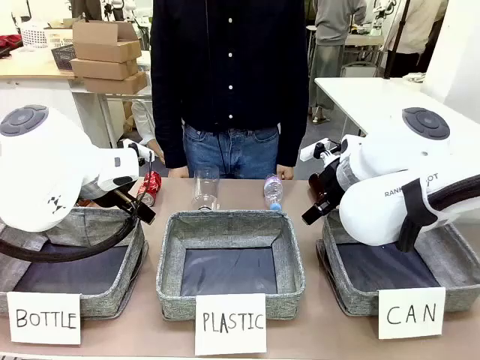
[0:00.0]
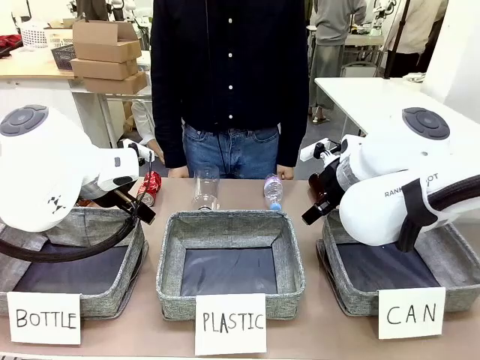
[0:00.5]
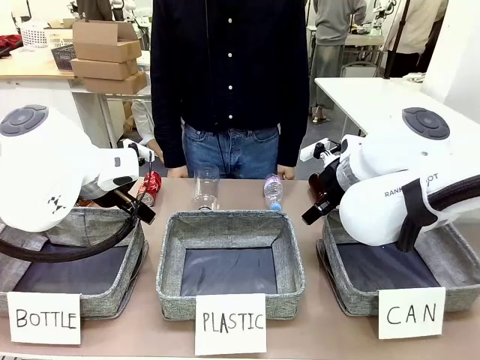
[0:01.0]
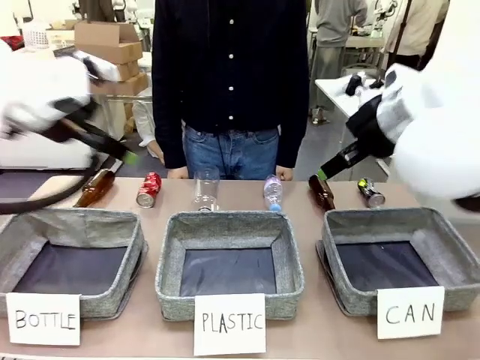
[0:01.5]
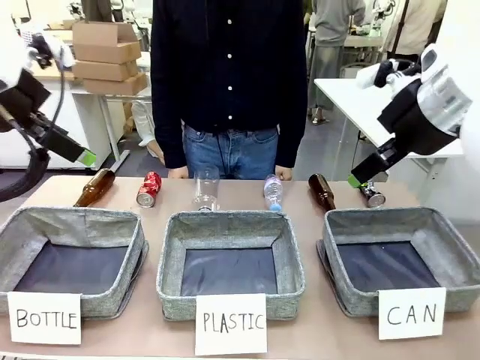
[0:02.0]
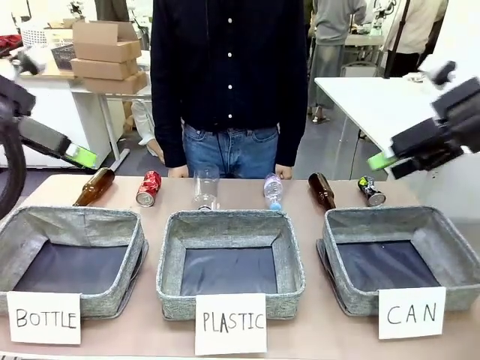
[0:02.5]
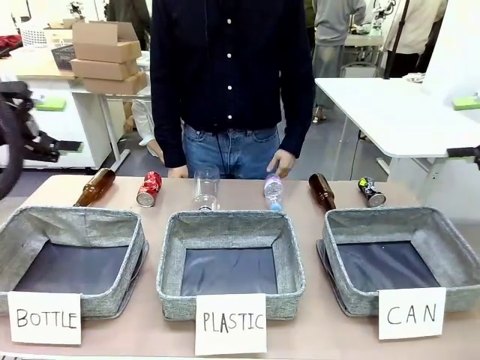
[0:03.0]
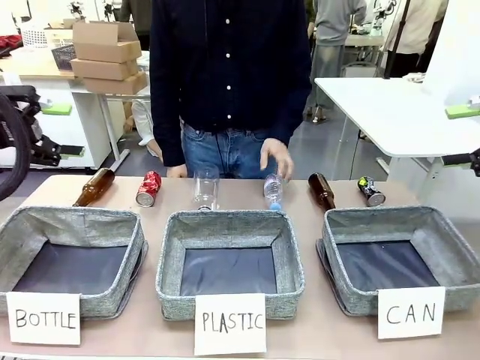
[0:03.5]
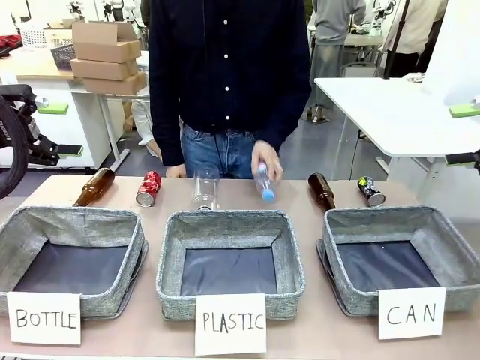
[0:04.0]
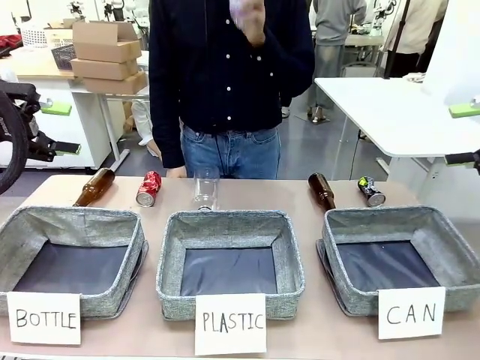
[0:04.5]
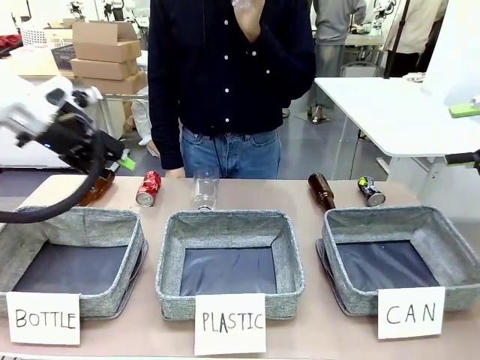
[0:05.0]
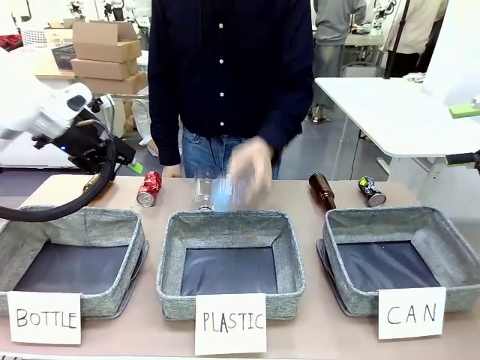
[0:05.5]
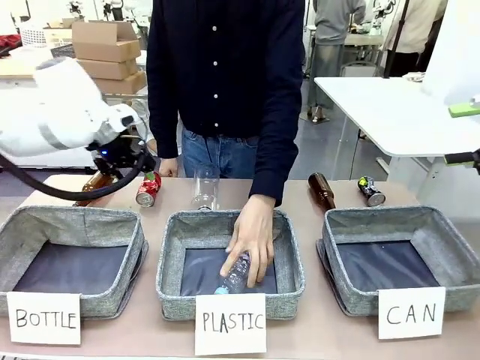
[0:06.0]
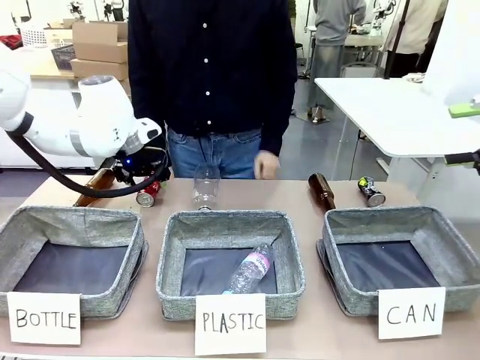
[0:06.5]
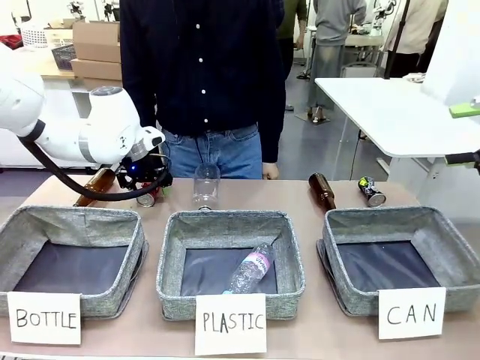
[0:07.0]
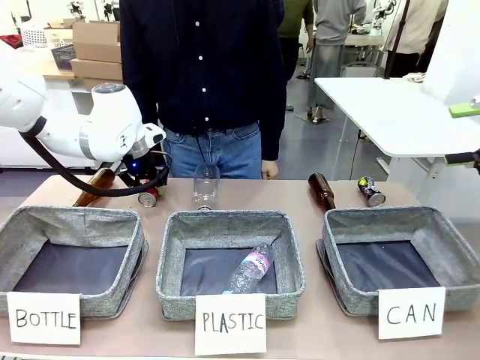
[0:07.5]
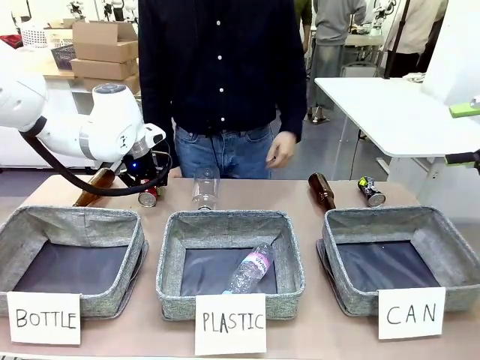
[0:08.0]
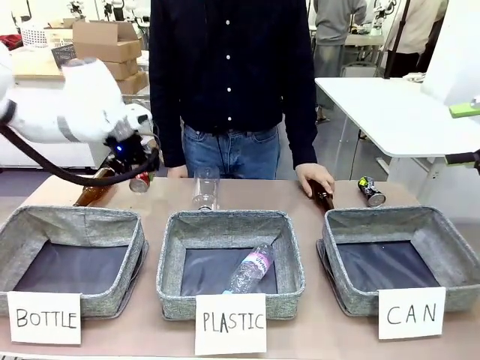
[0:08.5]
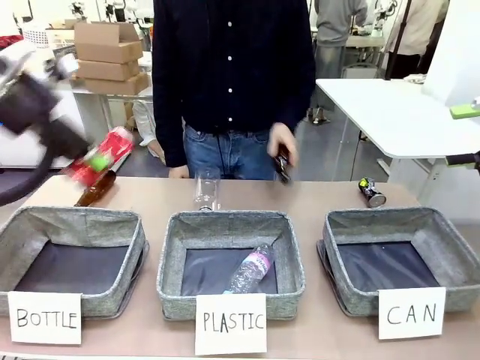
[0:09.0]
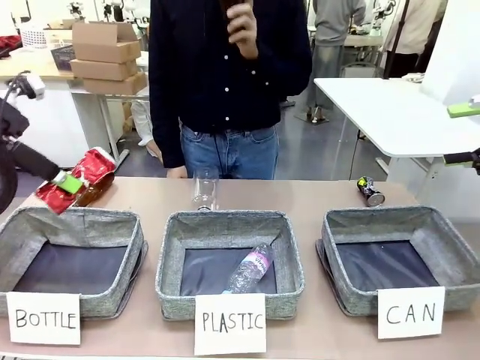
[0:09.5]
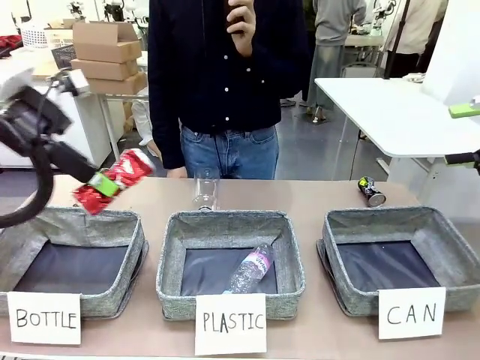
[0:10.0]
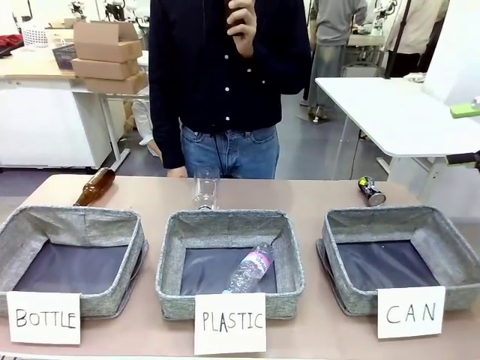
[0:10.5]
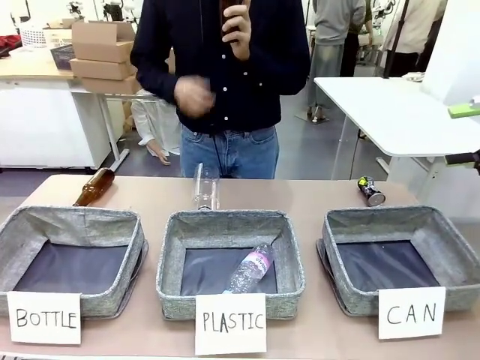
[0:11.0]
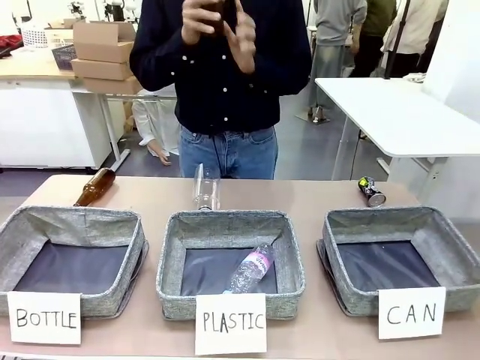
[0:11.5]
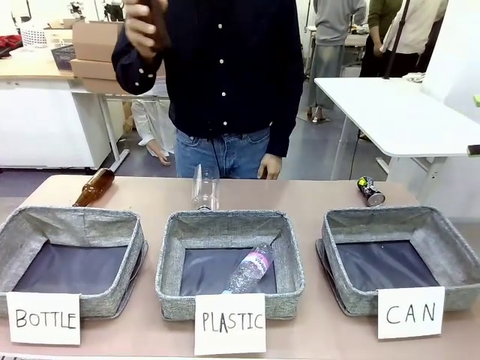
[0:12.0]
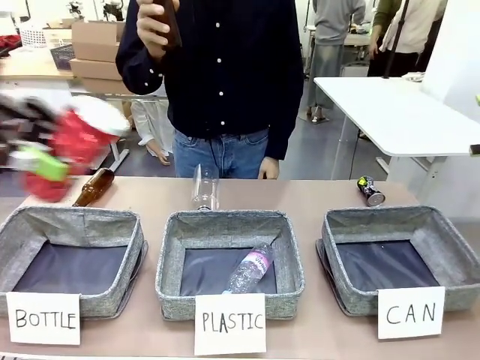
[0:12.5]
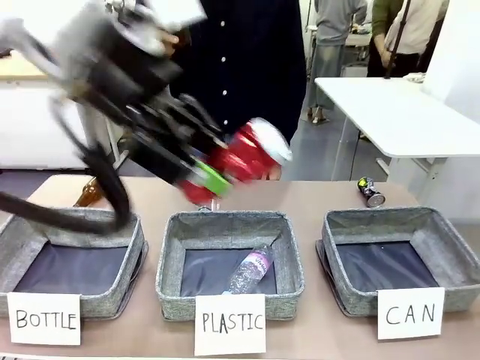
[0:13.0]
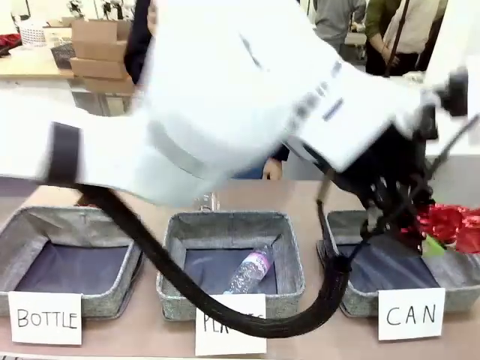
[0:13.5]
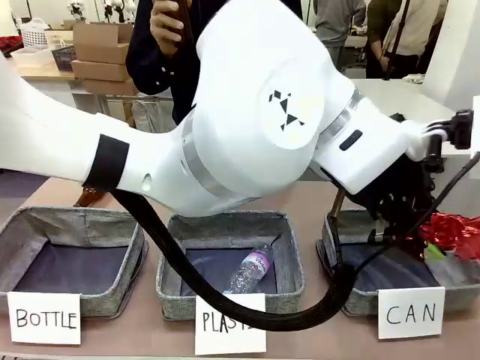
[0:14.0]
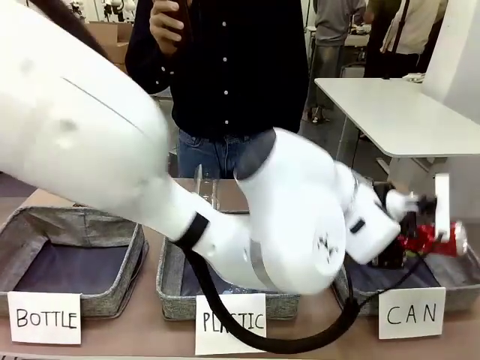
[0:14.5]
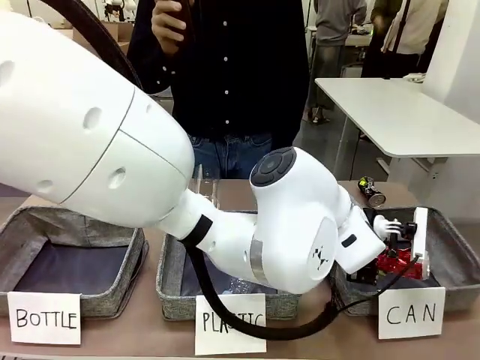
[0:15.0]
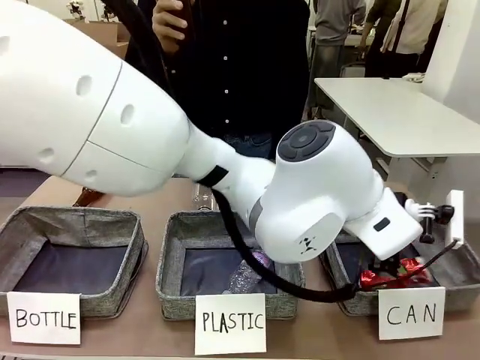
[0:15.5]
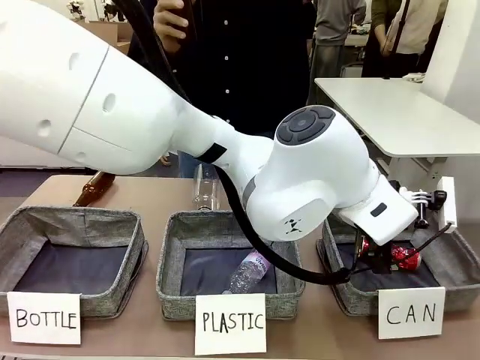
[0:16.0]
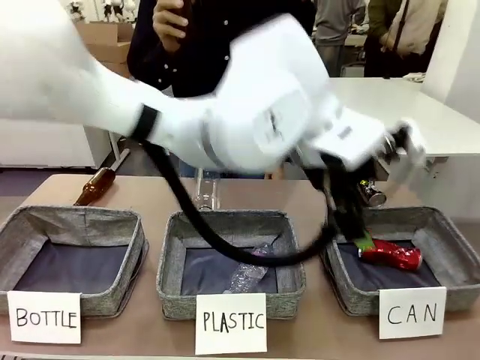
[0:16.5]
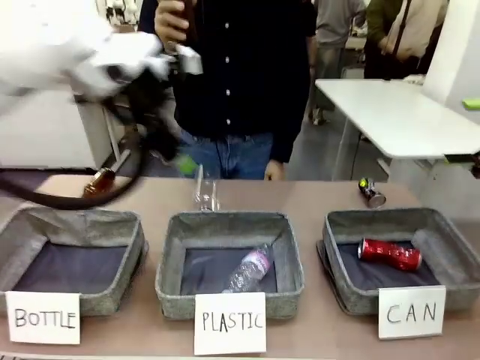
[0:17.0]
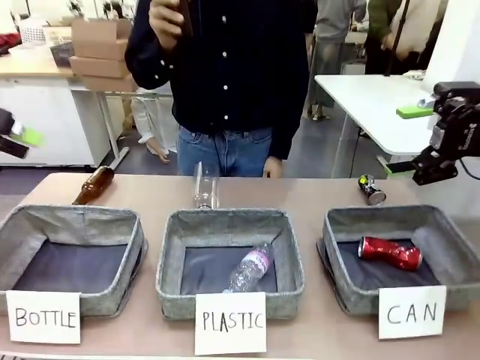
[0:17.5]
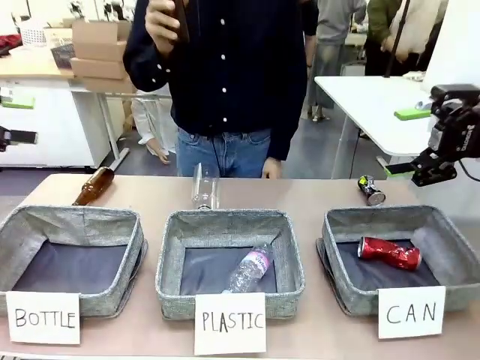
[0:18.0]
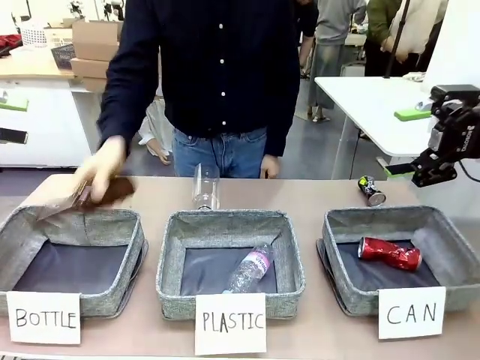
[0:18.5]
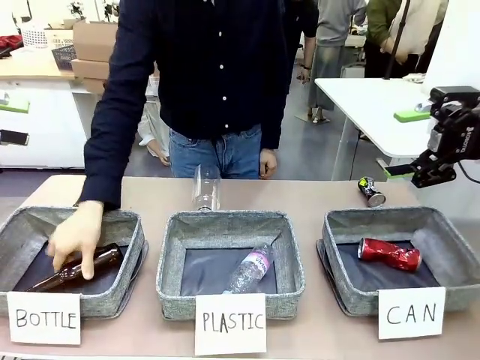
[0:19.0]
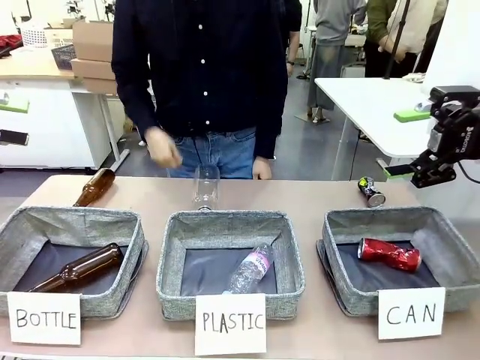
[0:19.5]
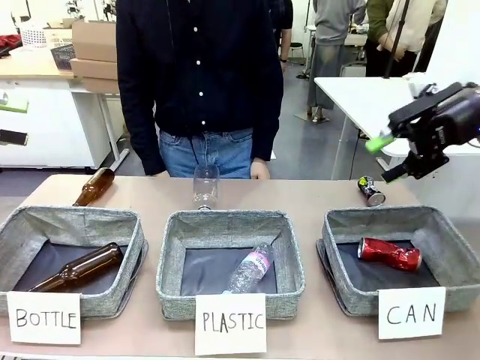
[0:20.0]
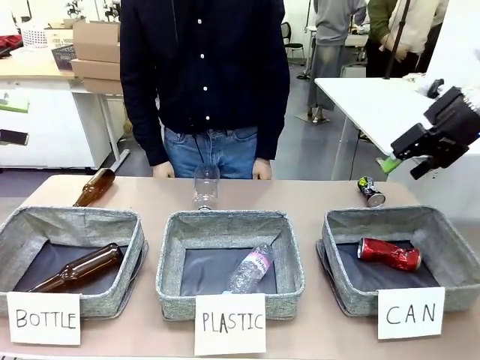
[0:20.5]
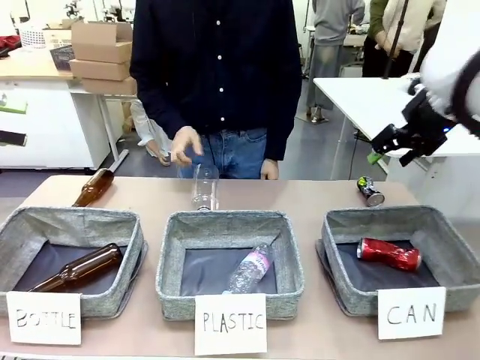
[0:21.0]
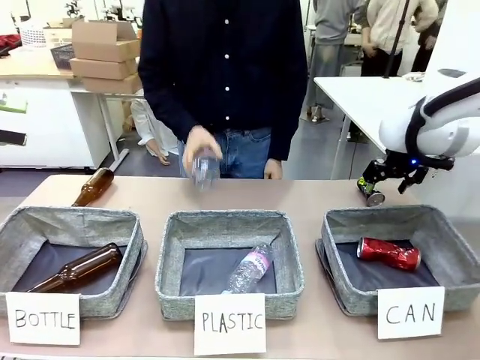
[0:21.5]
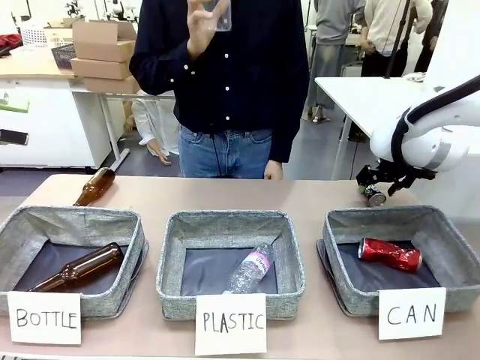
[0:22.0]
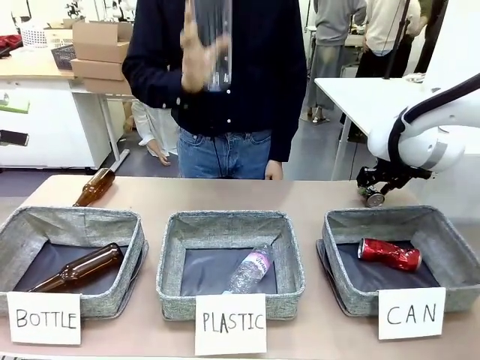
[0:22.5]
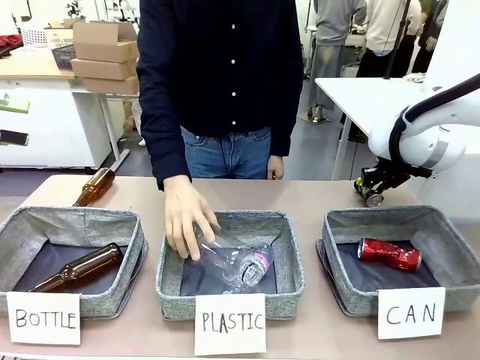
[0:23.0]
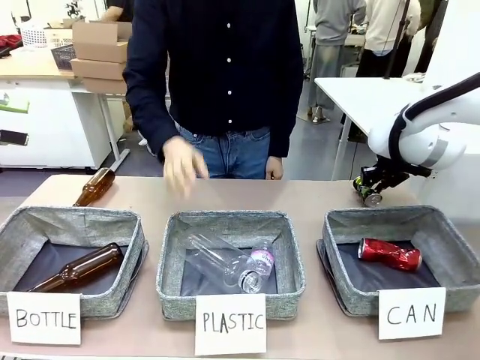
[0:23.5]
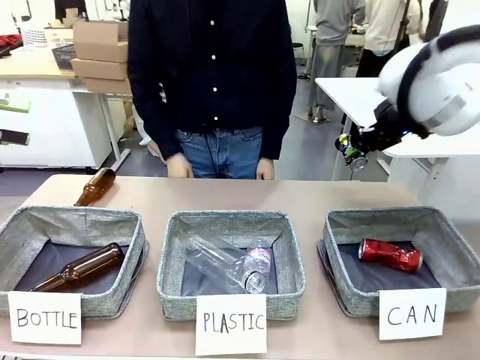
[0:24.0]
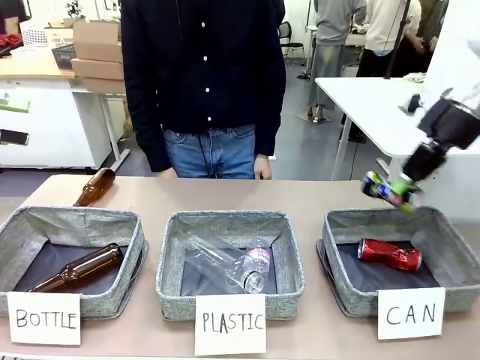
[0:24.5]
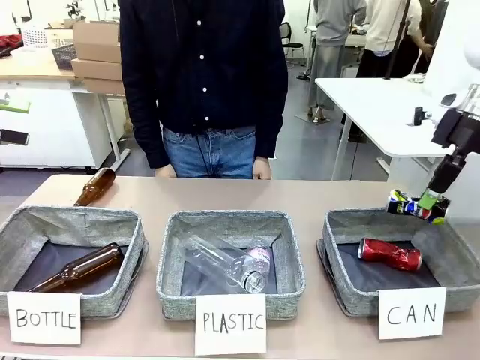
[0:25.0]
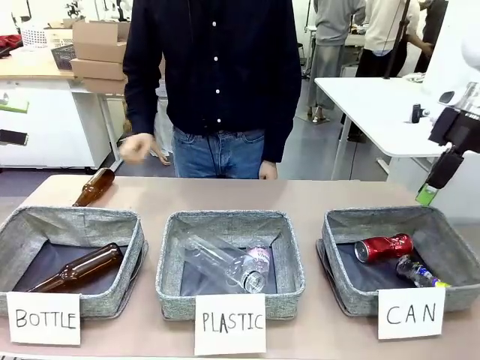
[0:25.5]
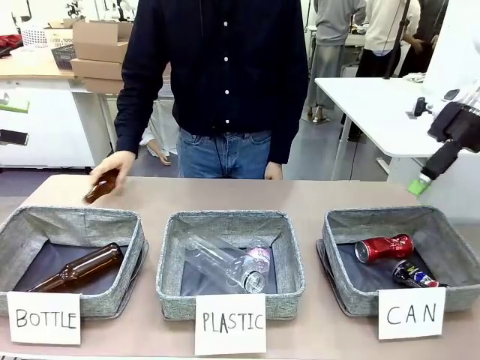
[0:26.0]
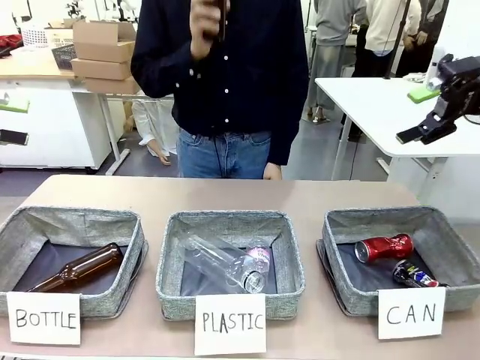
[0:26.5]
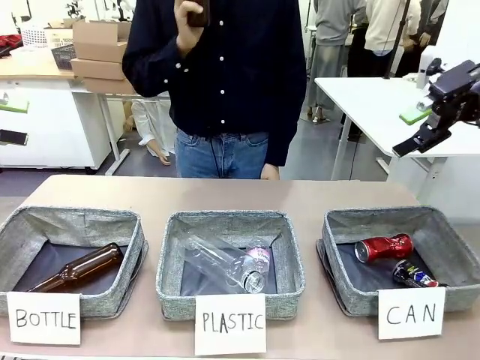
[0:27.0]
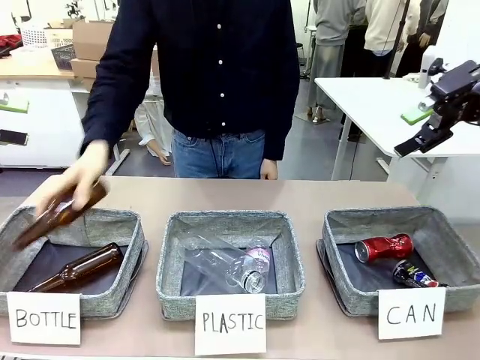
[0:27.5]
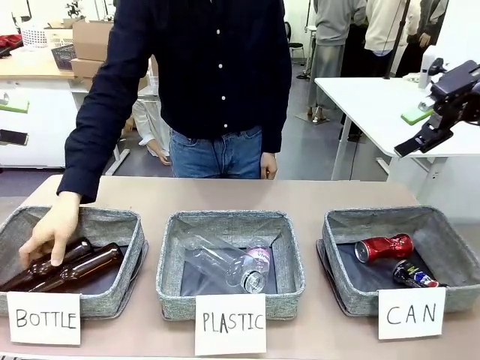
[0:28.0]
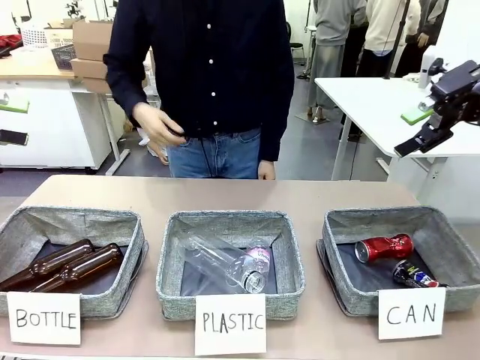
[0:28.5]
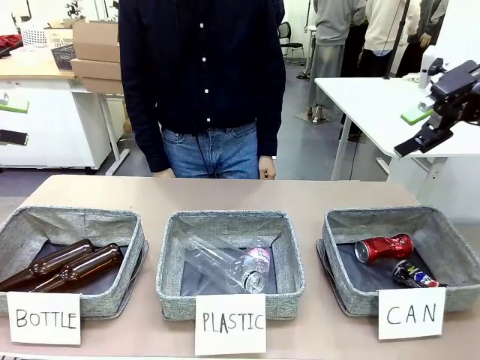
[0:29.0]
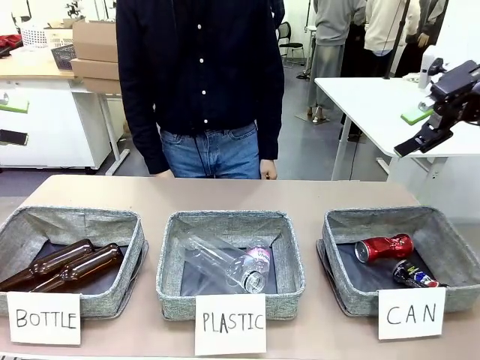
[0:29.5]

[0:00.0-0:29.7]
Task: Sort the can waste into the basket.
Robot: Pick up the can waste from the table and place it in the right Fabric basket.
Person: The human picks up one piece of trash that is not a can and places the trash into the appropriate organizing basket.
